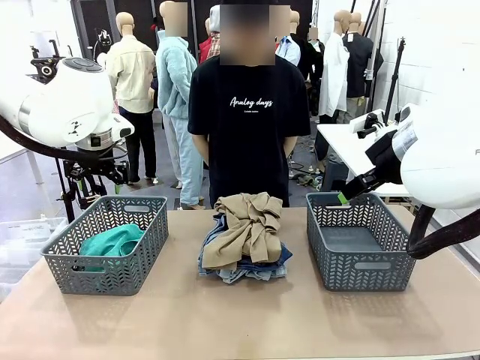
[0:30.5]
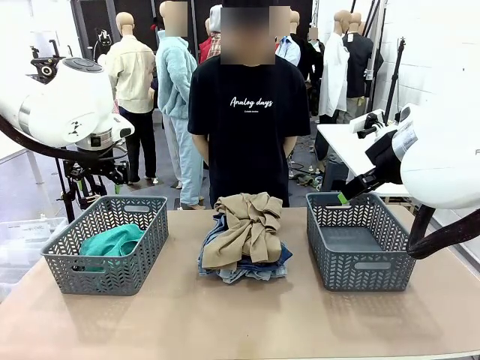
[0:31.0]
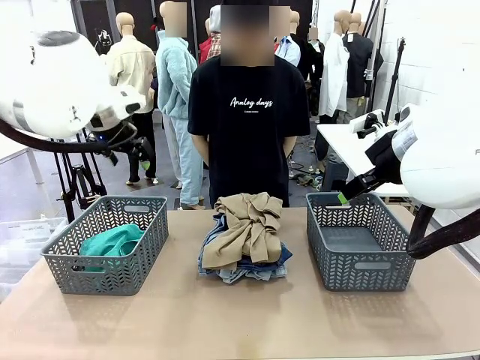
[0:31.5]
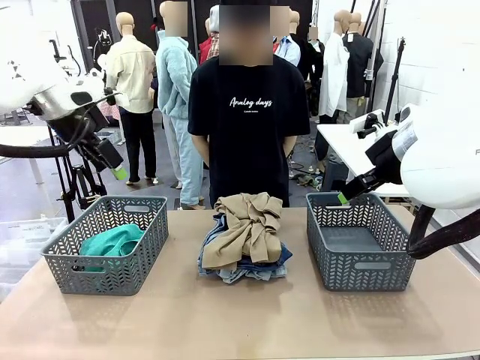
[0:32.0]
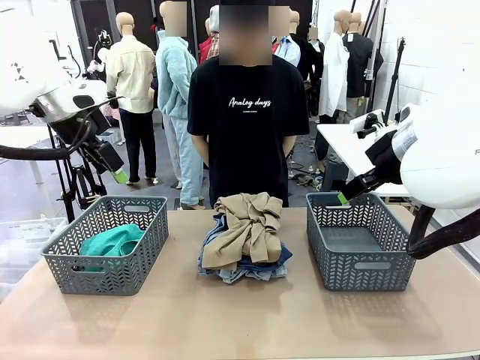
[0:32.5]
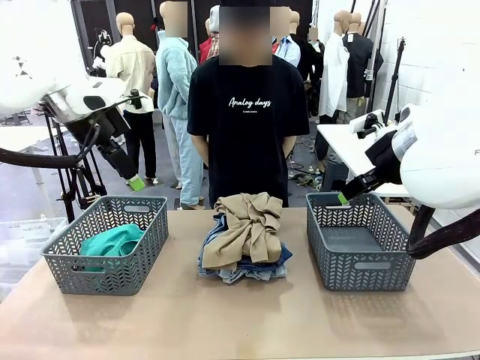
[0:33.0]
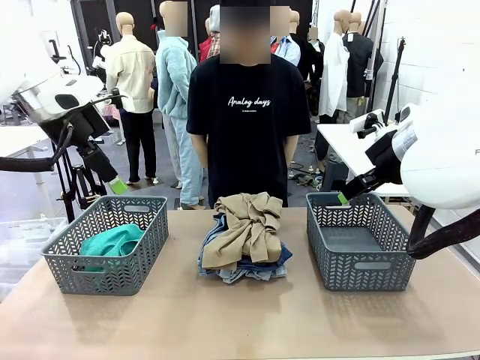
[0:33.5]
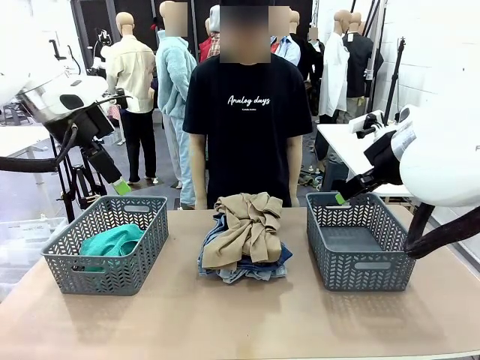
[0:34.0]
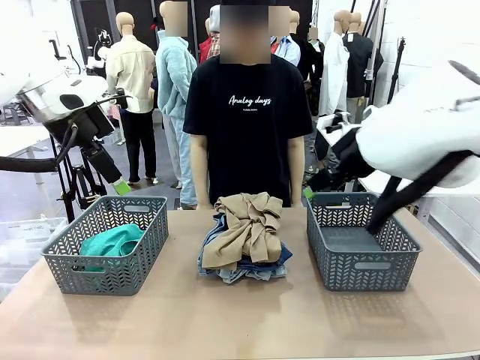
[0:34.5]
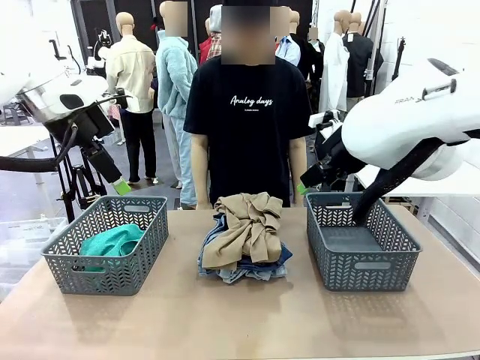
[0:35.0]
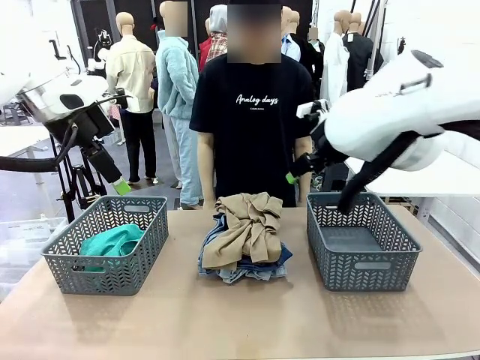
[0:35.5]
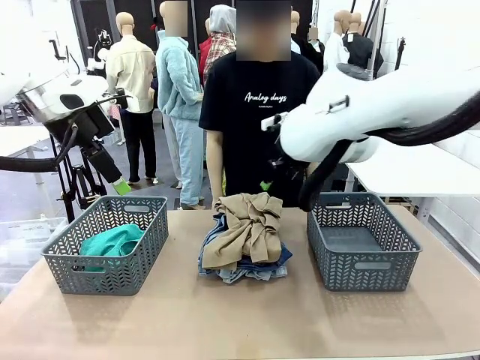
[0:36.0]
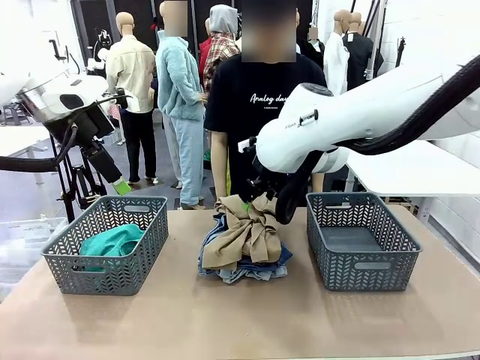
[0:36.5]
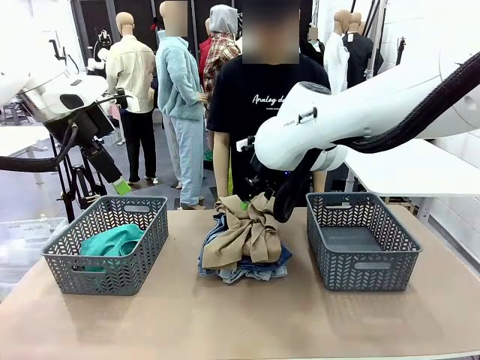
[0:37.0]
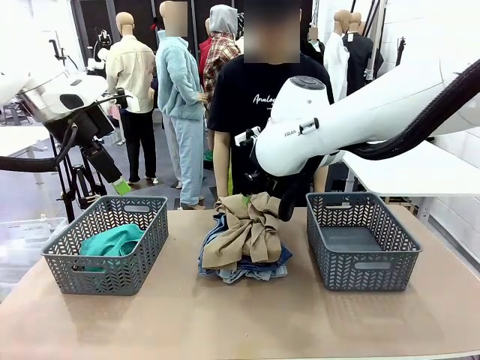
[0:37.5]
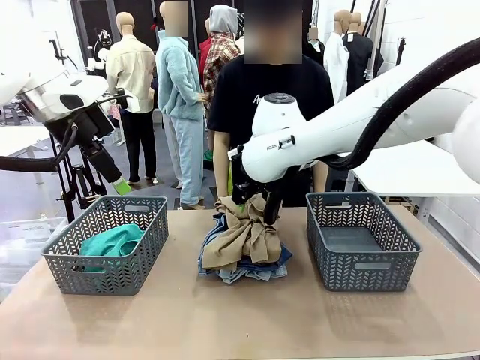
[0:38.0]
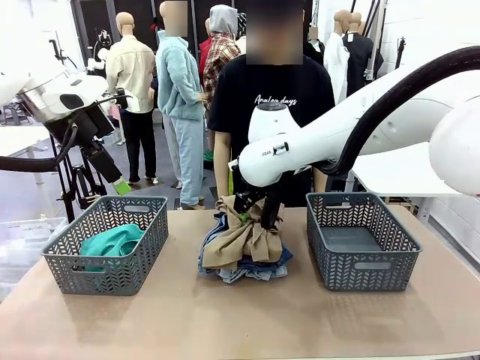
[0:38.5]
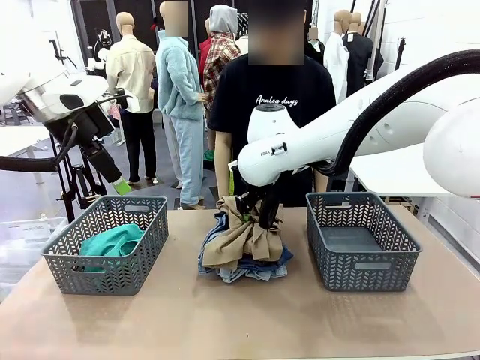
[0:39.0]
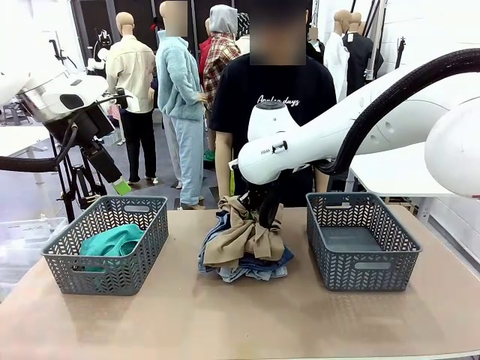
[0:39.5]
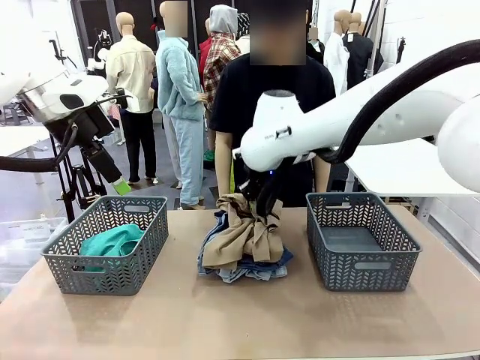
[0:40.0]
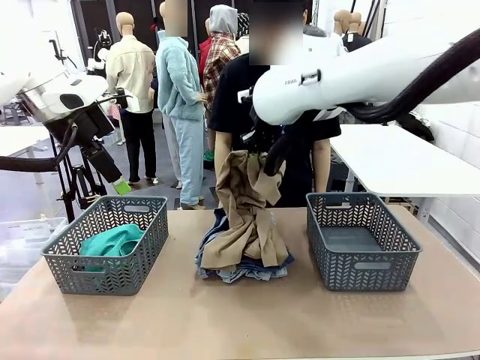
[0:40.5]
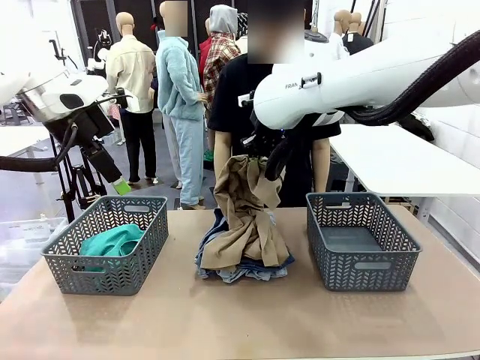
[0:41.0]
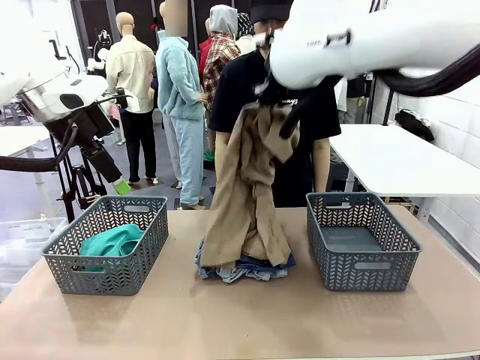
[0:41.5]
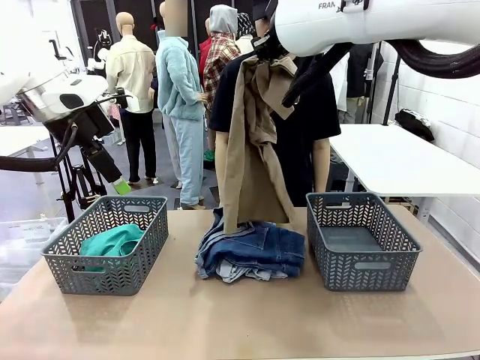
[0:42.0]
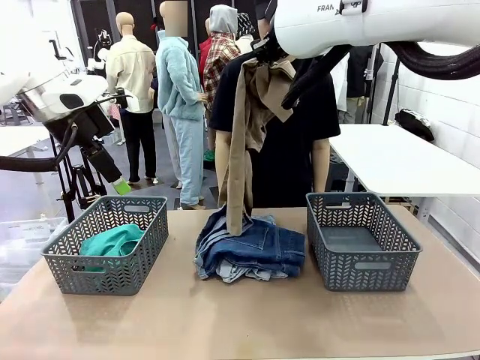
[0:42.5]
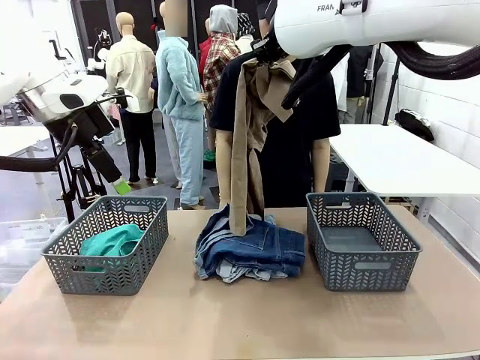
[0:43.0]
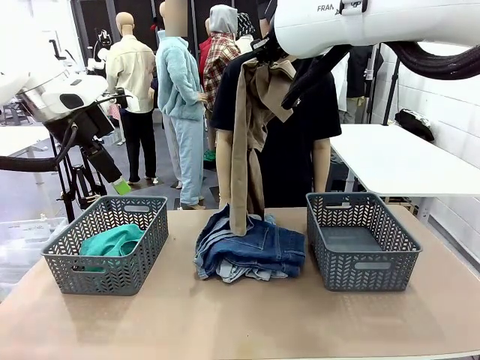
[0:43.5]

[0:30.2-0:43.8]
Task: Sort the tops and bottoms.
Robot: Lift clothes from the center of the table with your right hand.

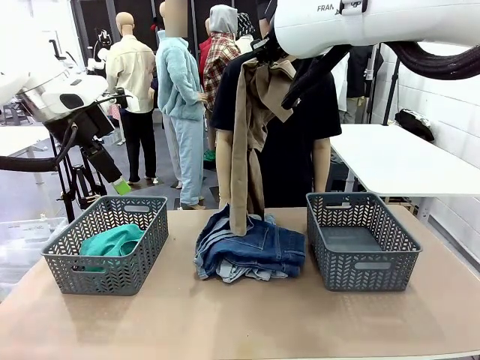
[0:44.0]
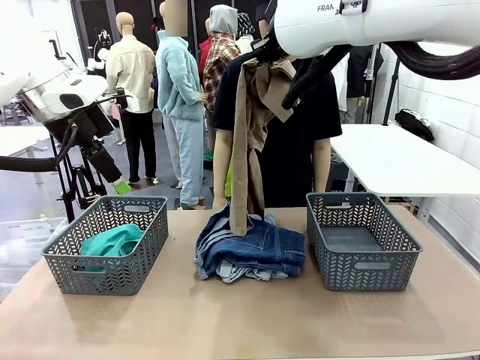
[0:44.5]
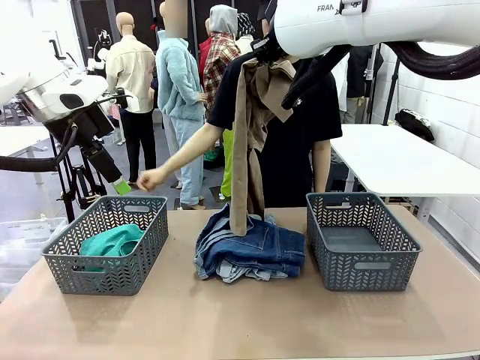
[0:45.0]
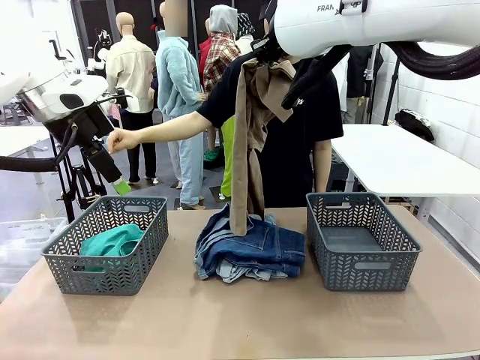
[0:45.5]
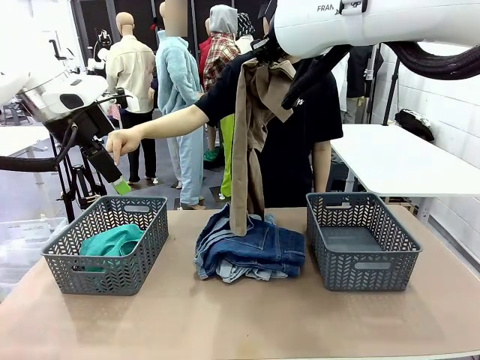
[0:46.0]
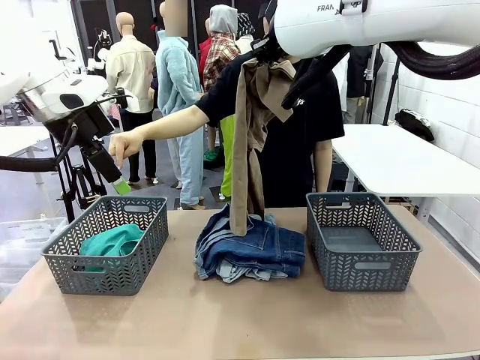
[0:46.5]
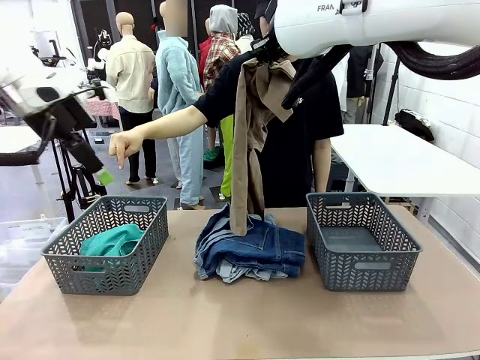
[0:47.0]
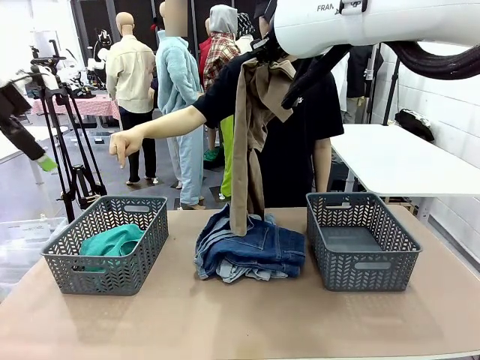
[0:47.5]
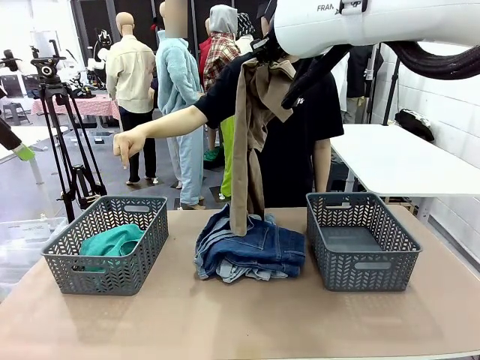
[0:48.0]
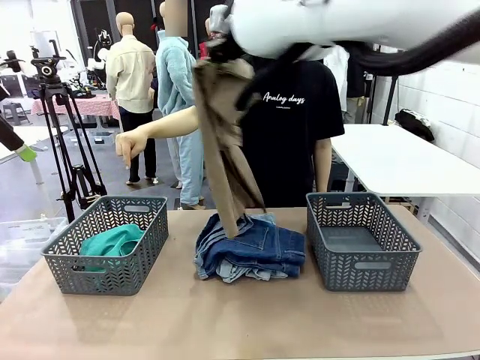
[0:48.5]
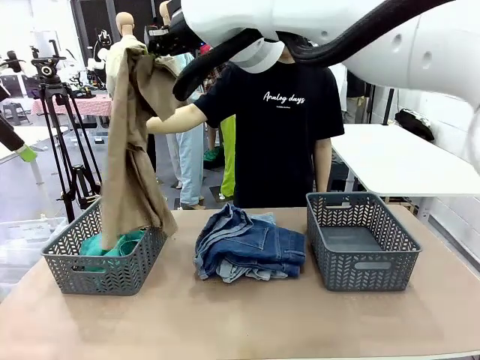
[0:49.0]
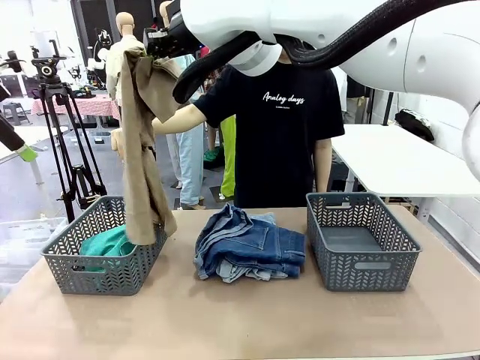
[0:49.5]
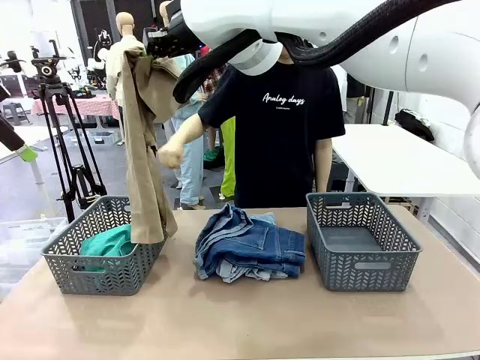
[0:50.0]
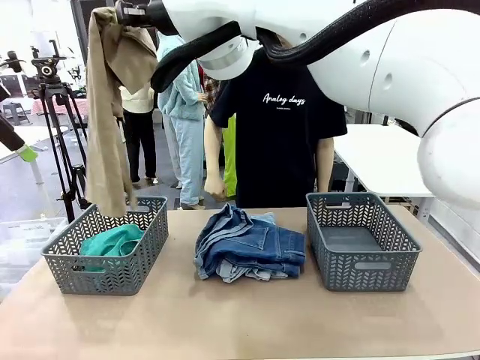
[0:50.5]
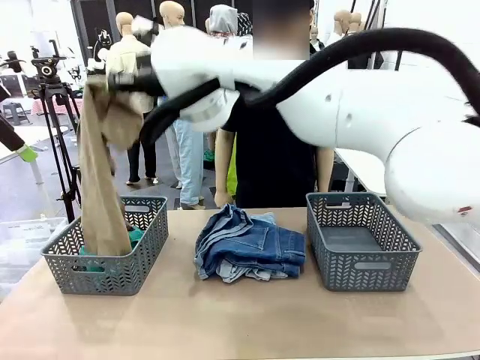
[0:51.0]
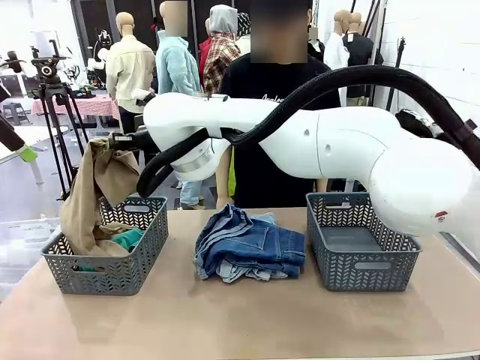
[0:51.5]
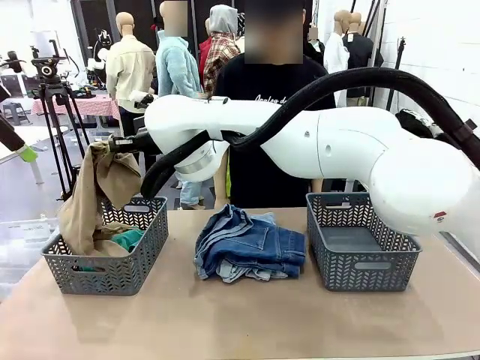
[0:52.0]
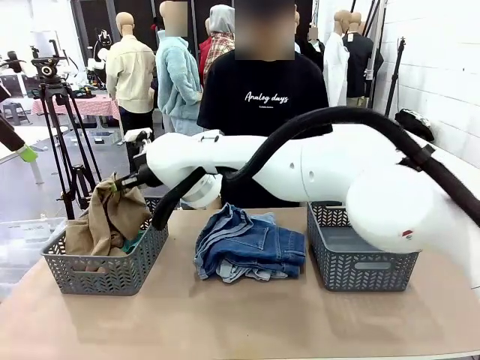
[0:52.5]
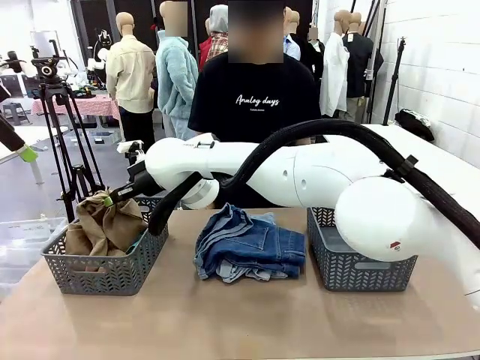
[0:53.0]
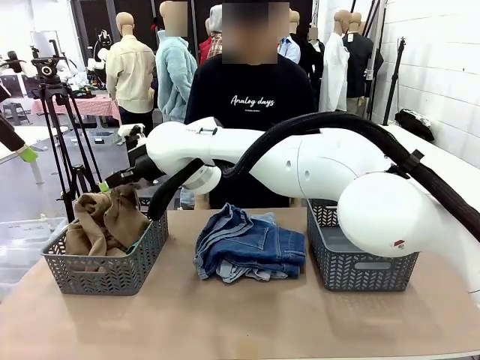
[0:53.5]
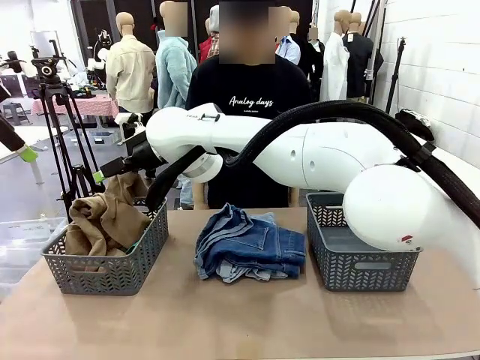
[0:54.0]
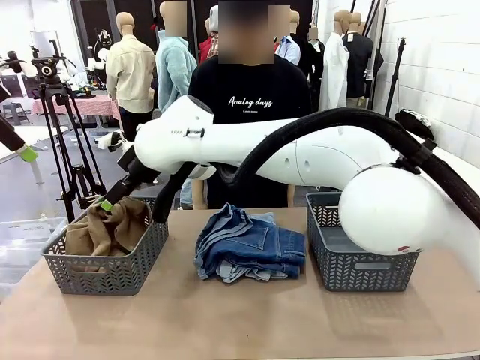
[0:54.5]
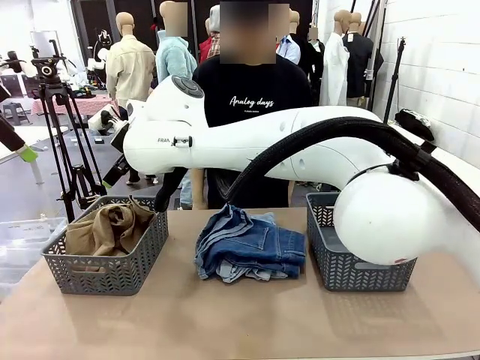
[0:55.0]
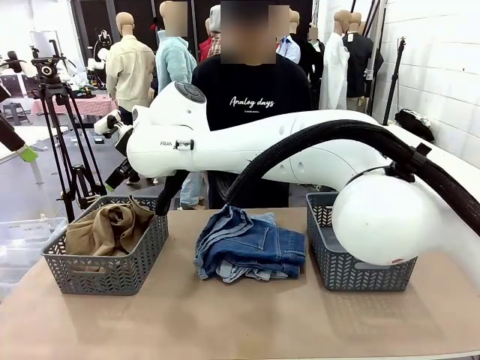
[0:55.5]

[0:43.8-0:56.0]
Robot: Sort the clothes according to human instructions.
